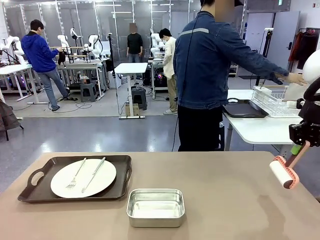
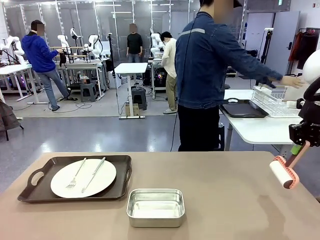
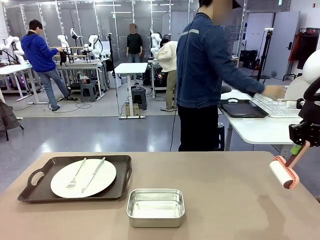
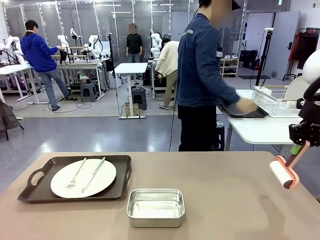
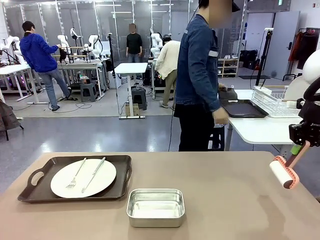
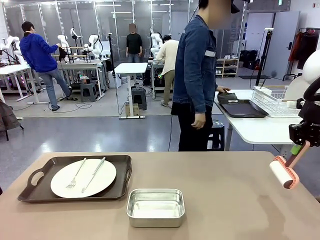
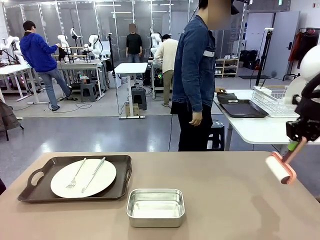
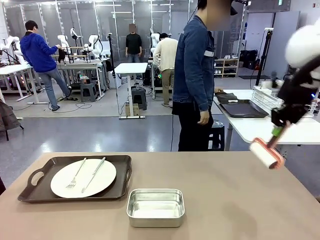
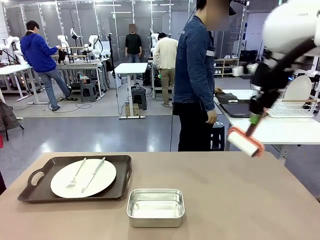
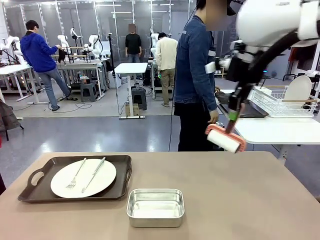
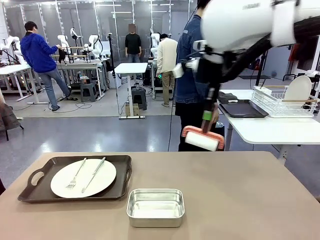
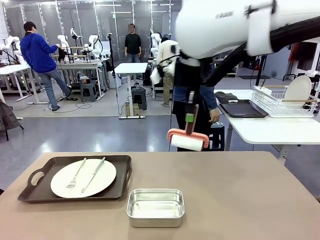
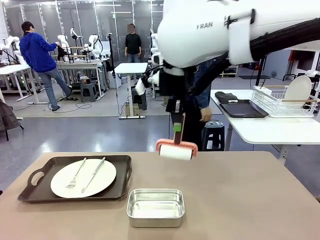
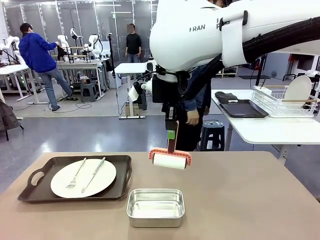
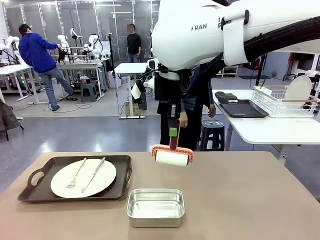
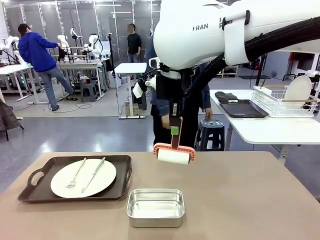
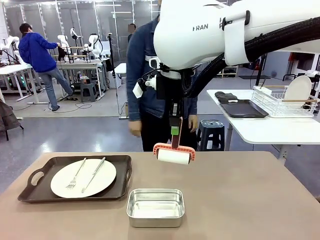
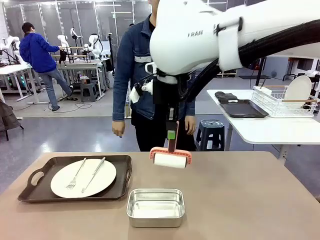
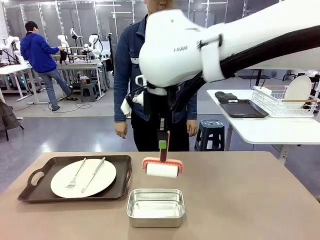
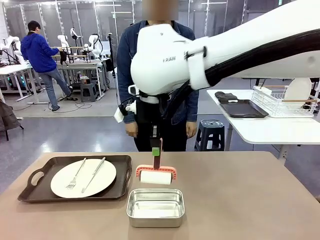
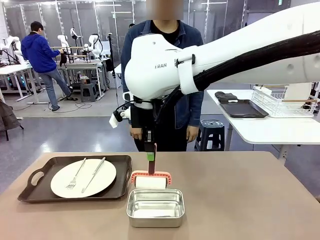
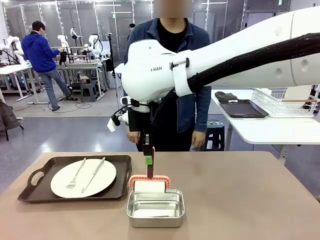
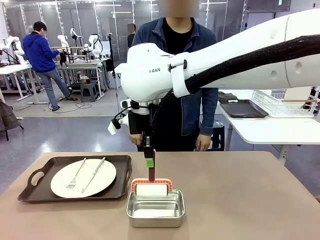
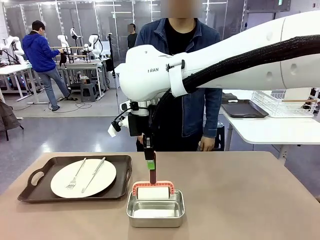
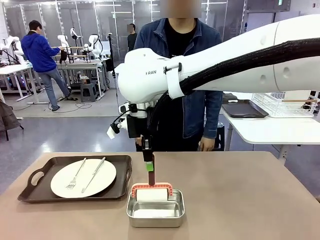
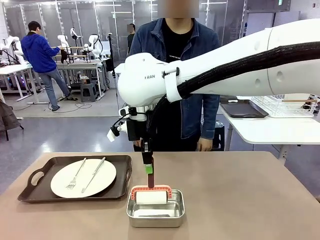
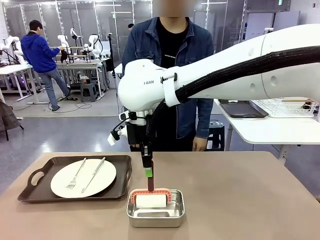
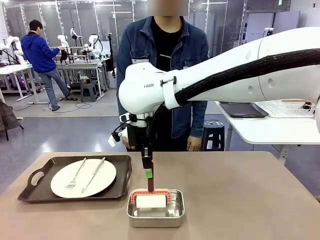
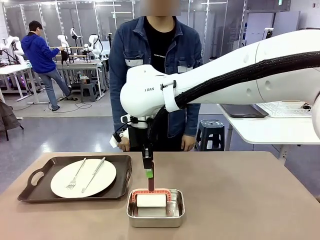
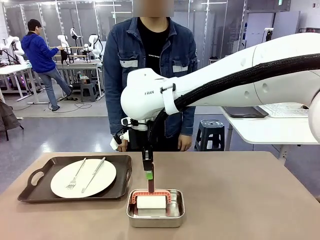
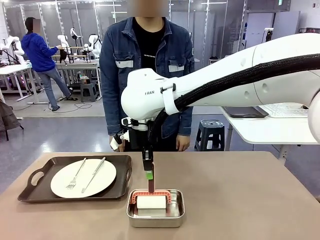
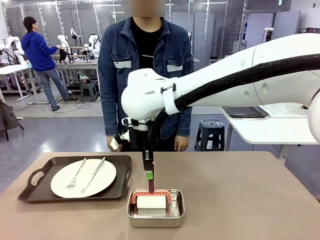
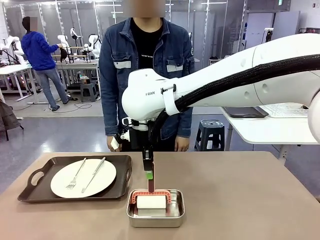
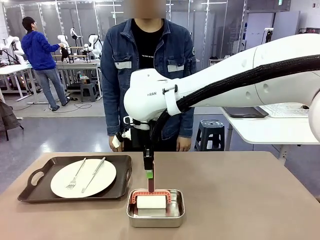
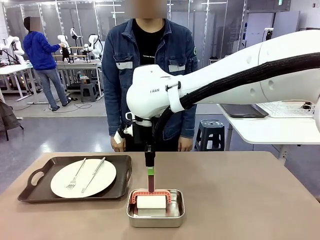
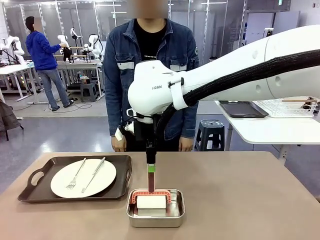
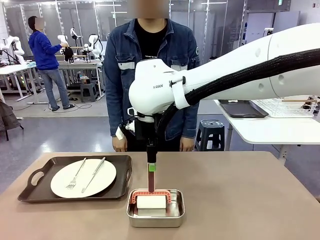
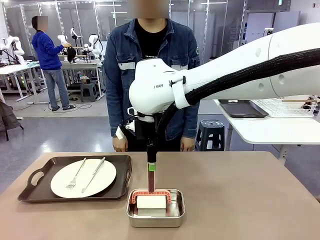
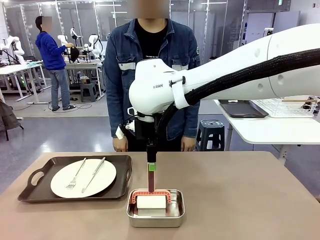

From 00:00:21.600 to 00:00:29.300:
Robot: Place the Lint Roller back on top of the Airtight Container.

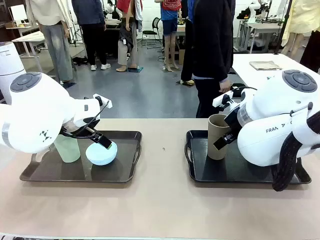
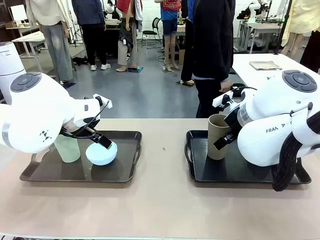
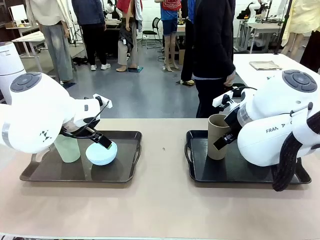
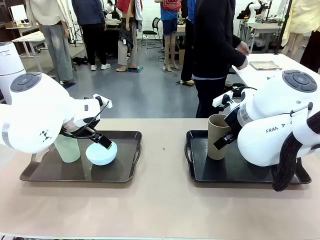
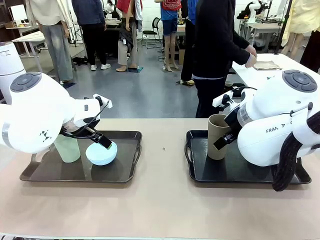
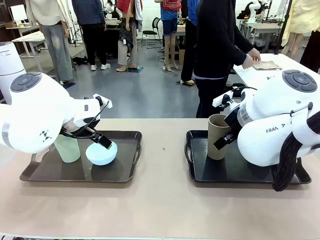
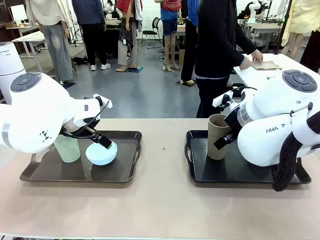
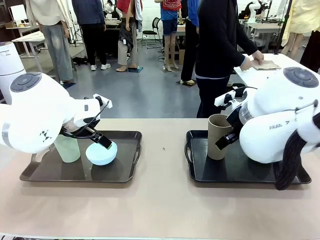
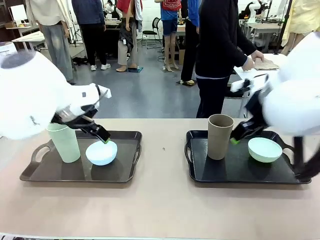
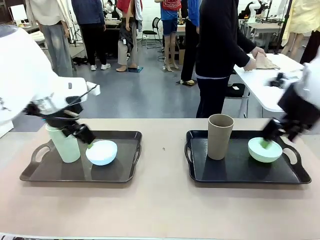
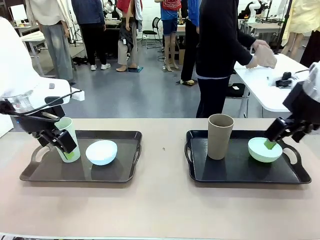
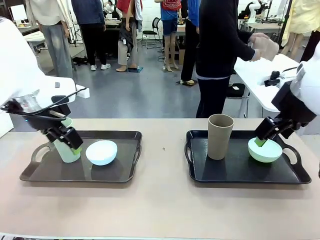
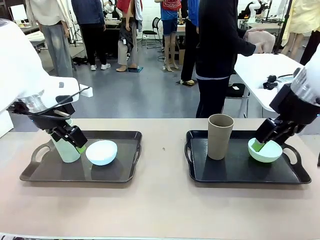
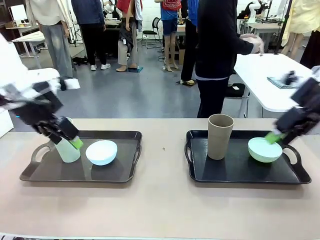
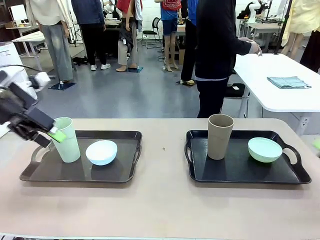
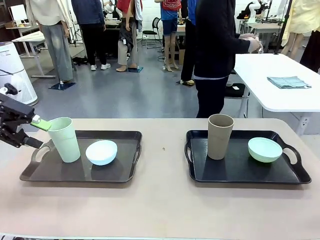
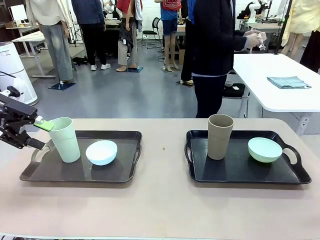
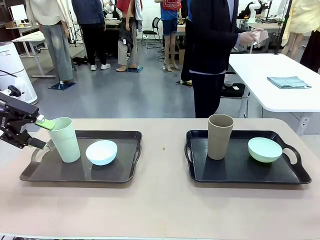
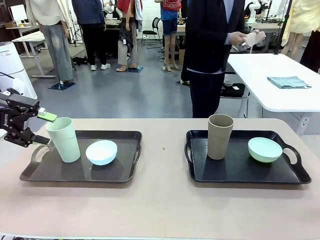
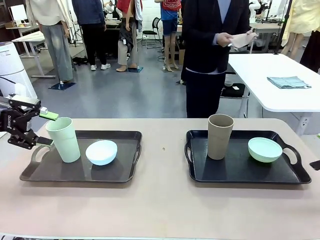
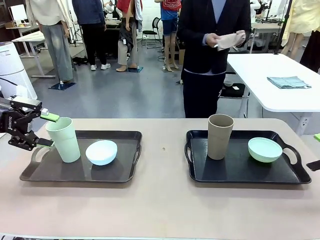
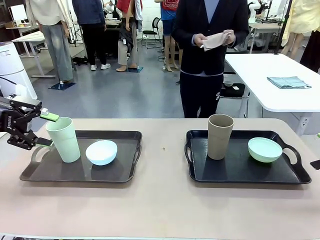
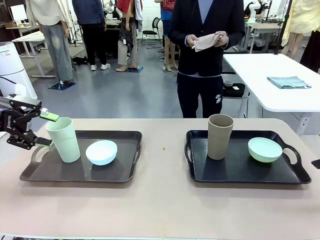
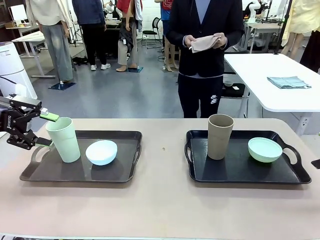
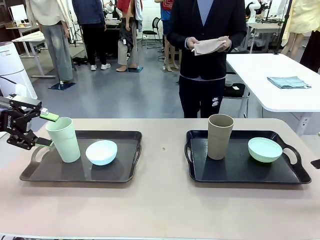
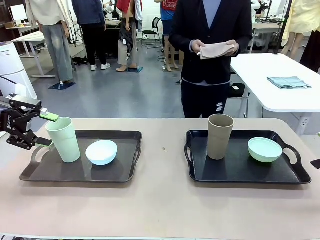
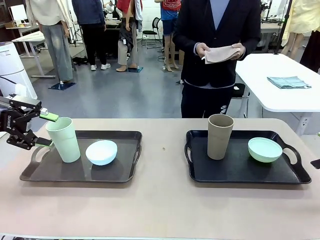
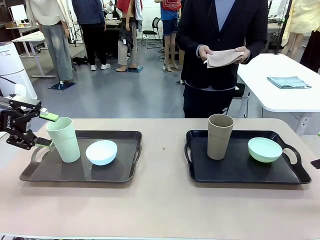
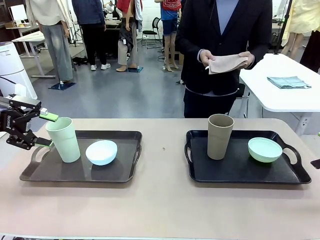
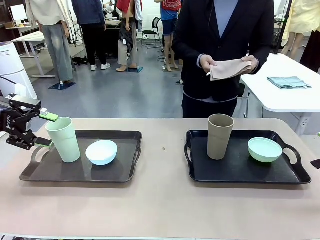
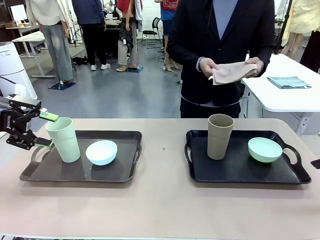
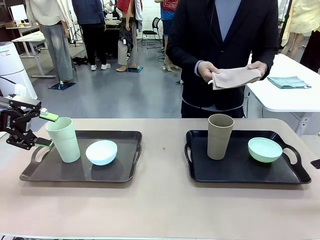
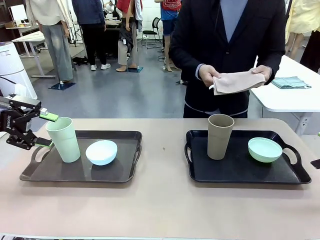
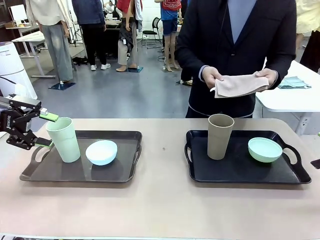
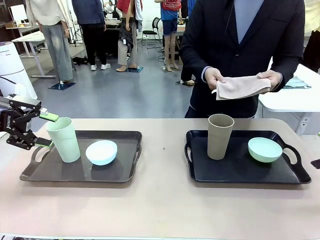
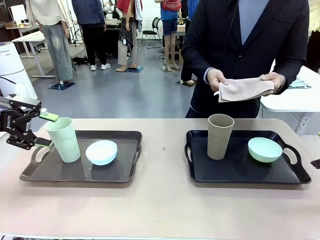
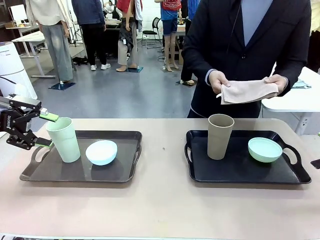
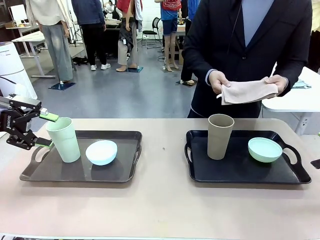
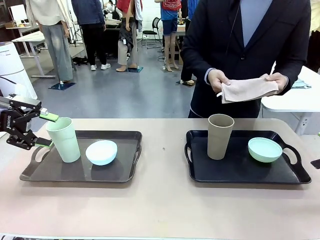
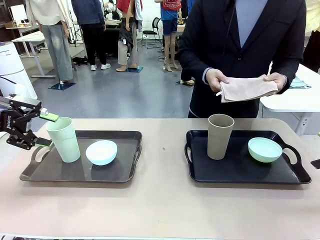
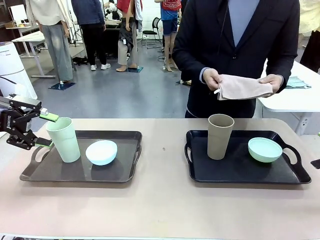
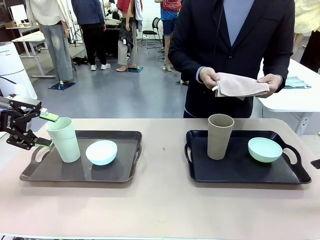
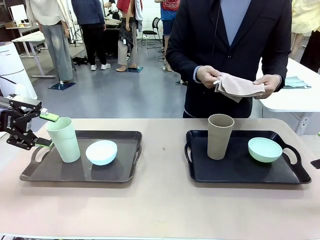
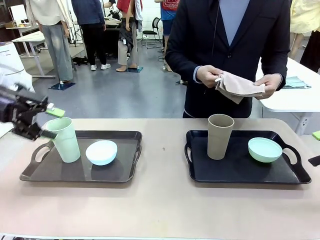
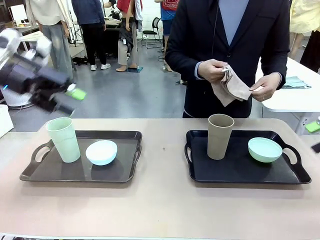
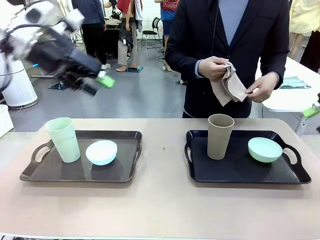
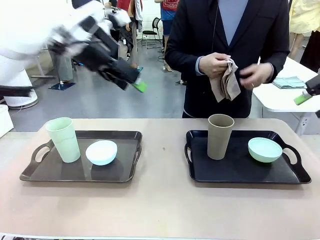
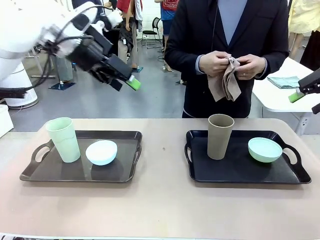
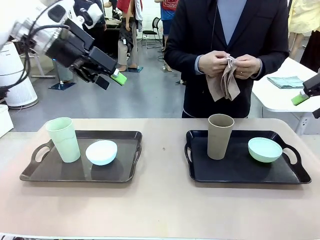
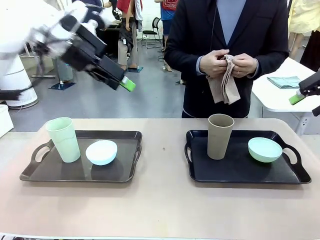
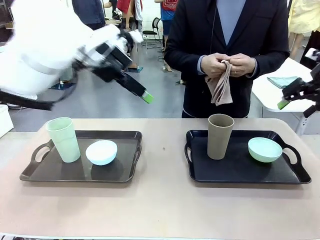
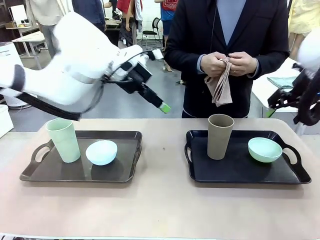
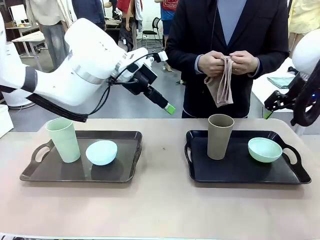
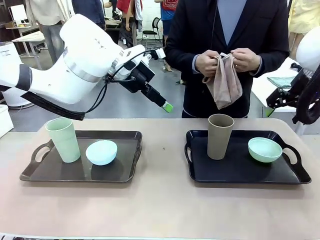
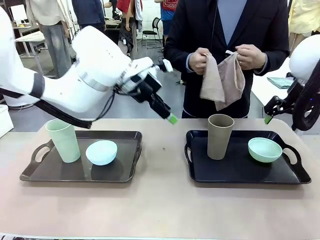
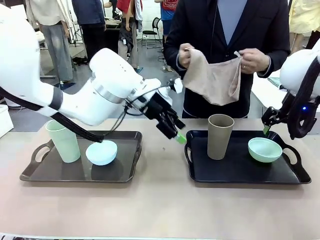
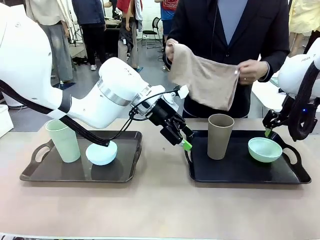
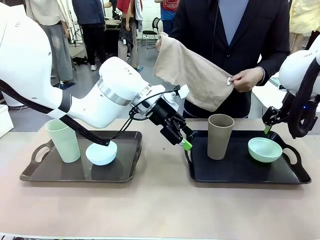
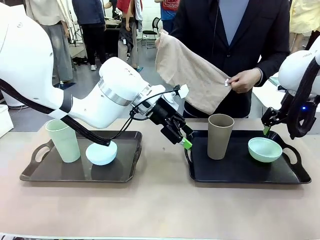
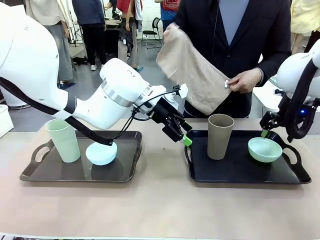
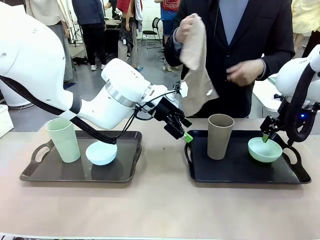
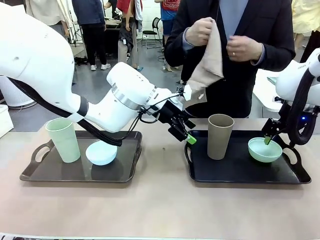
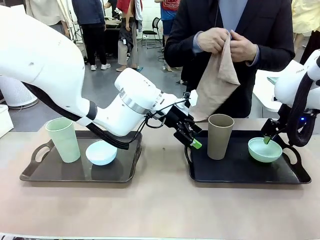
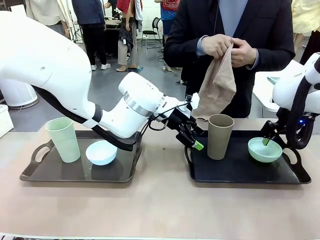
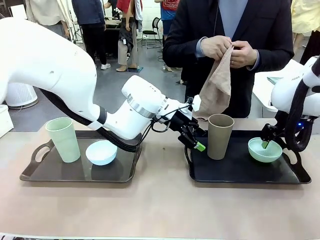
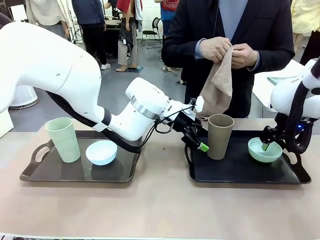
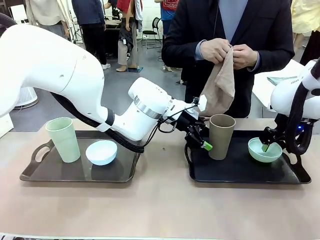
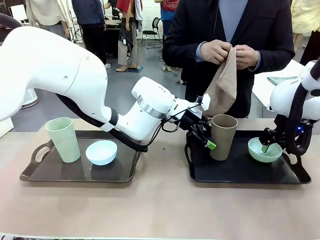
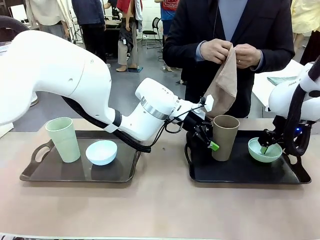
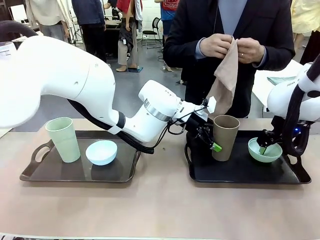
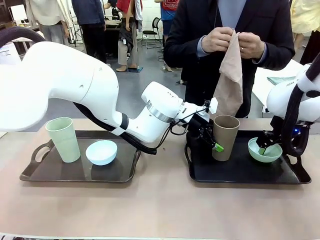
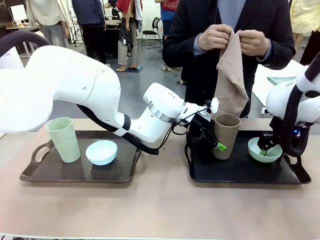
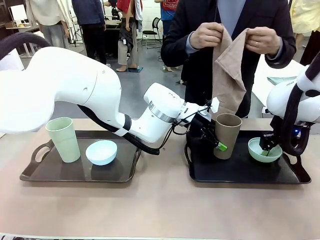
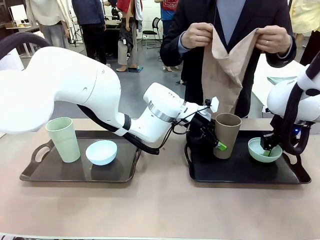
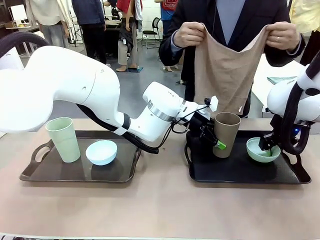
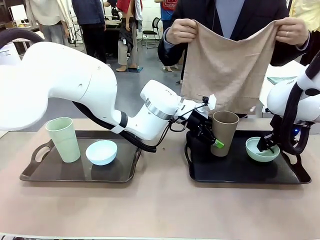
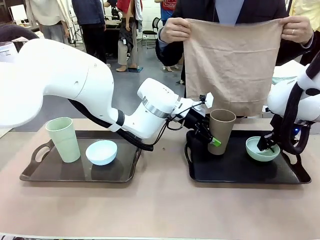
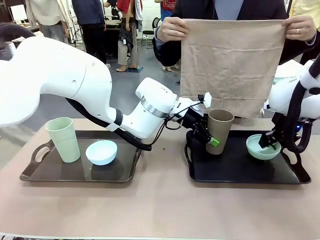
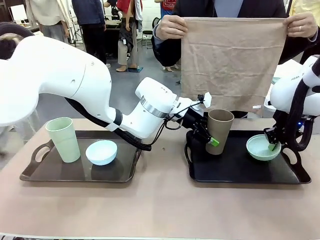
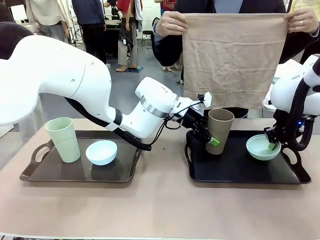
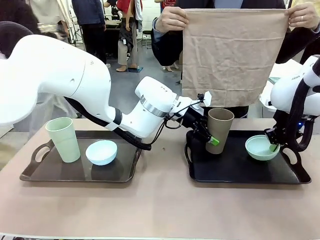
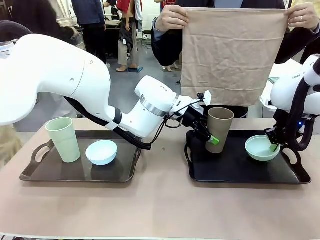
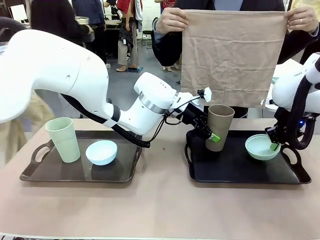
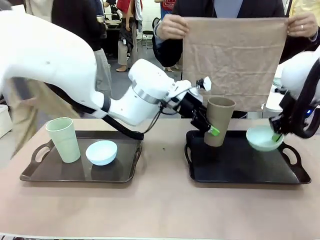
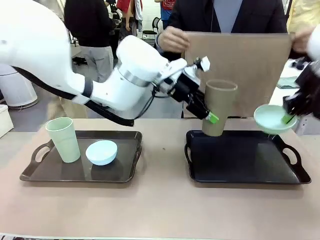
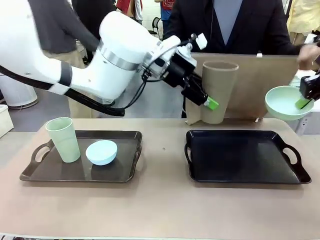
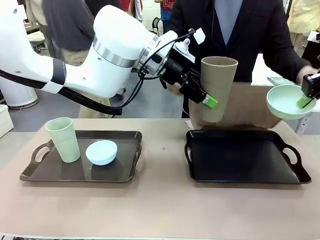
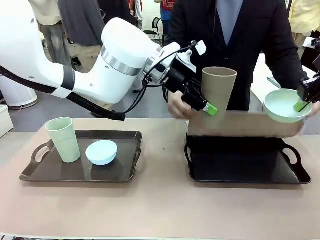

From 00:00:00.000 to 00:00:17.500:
Robot: Pick up the Picnic Bowl and Reusable plastic cup from the Handle tray in front of the human's position and hold them in the air.
Person: The human picks up the top napkin from the stack on the human table and walks to the robot table to stand in front of one of the two trays. When the robot lifts the bowl and the cup, the human unfolds the napkin and lays the napkin flat on the tray.
